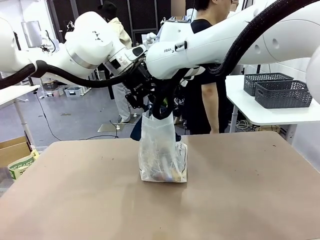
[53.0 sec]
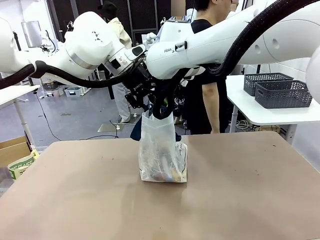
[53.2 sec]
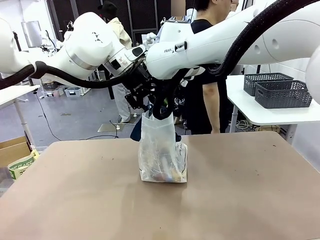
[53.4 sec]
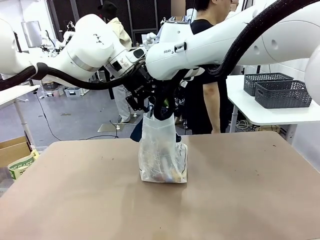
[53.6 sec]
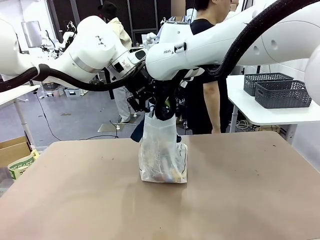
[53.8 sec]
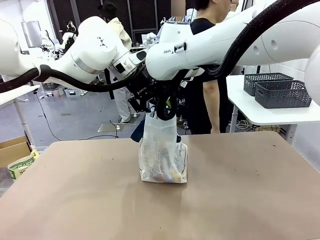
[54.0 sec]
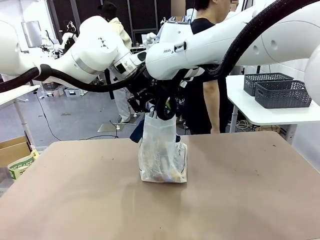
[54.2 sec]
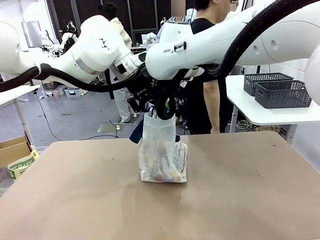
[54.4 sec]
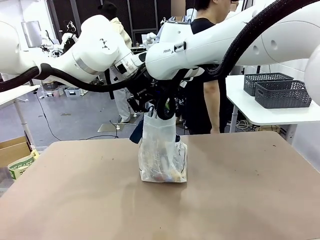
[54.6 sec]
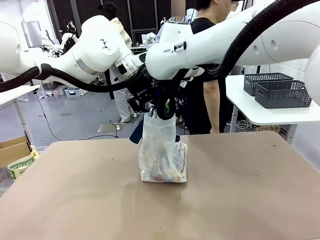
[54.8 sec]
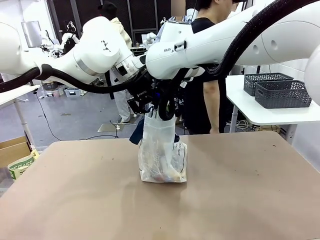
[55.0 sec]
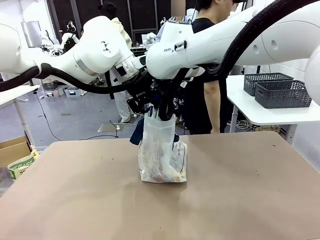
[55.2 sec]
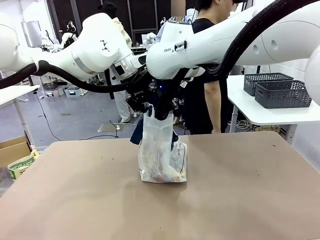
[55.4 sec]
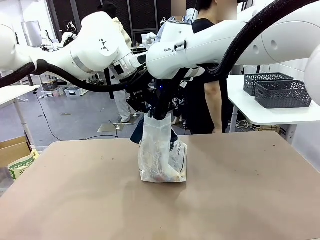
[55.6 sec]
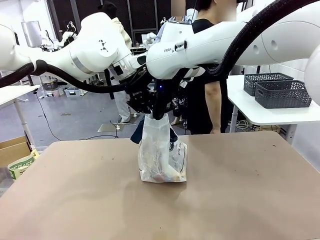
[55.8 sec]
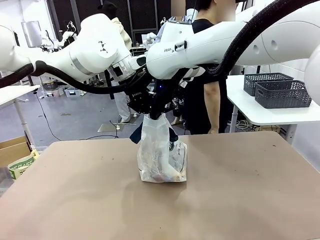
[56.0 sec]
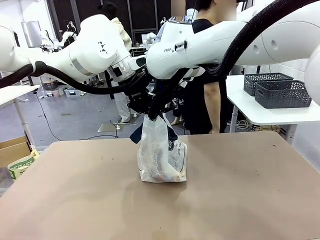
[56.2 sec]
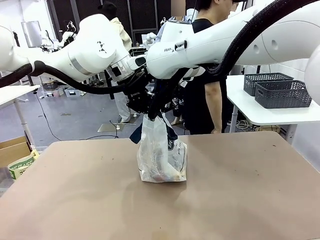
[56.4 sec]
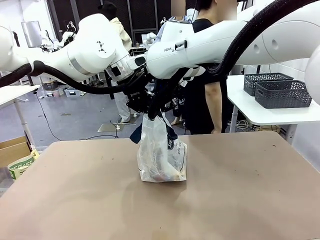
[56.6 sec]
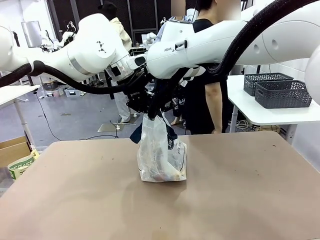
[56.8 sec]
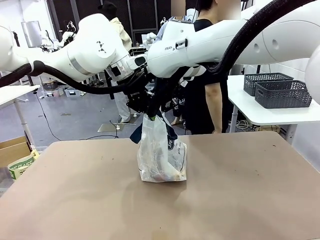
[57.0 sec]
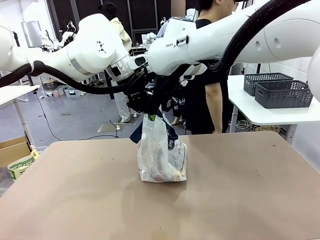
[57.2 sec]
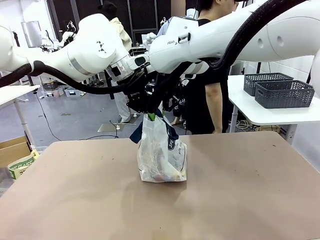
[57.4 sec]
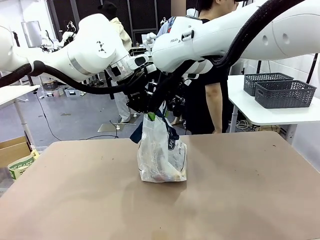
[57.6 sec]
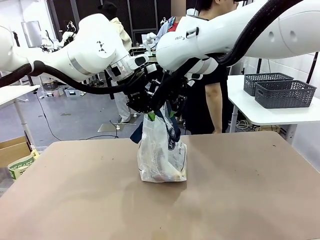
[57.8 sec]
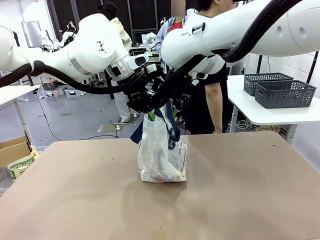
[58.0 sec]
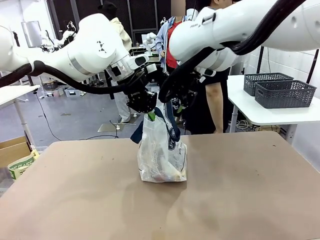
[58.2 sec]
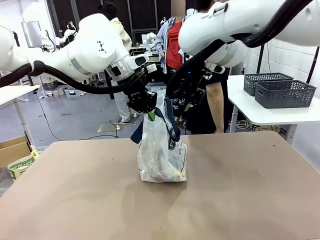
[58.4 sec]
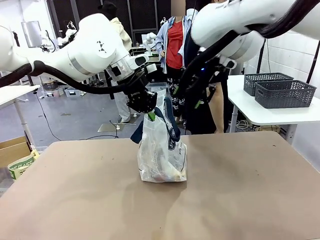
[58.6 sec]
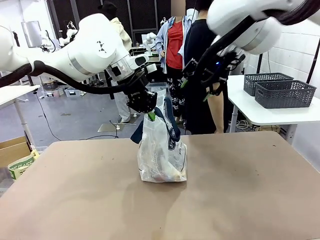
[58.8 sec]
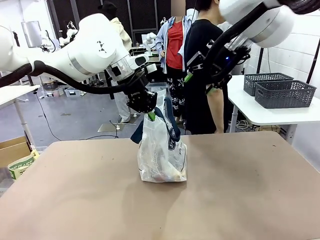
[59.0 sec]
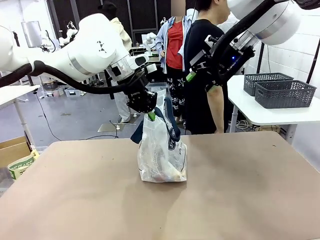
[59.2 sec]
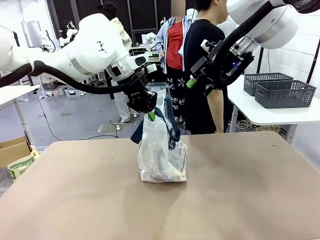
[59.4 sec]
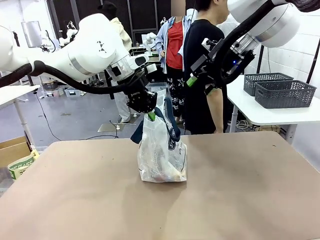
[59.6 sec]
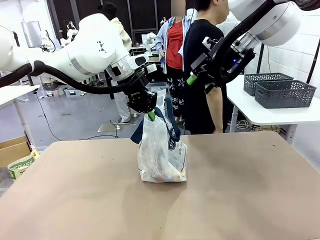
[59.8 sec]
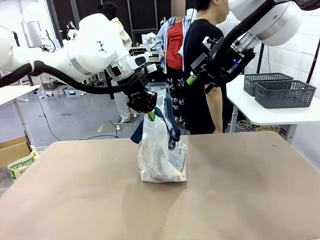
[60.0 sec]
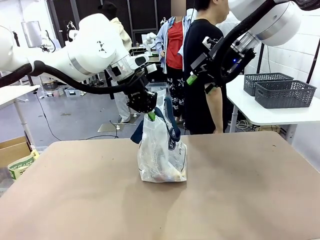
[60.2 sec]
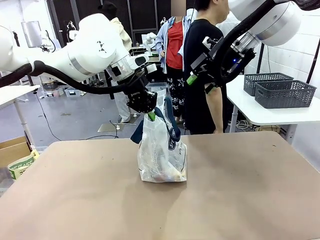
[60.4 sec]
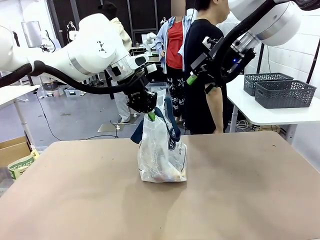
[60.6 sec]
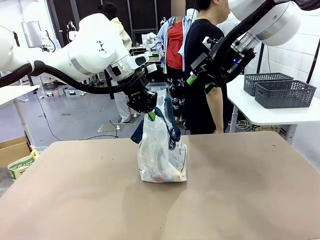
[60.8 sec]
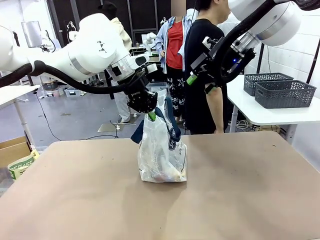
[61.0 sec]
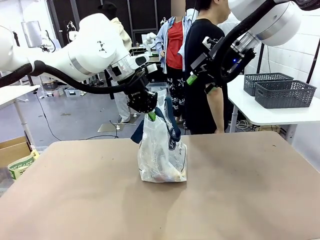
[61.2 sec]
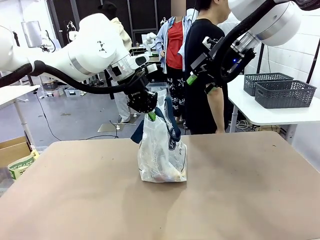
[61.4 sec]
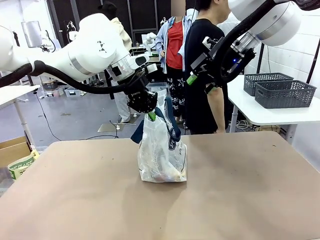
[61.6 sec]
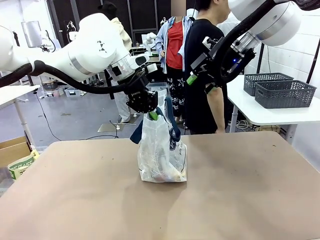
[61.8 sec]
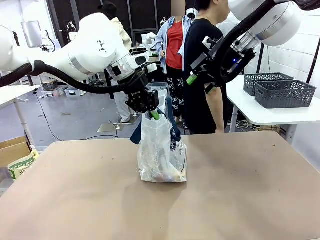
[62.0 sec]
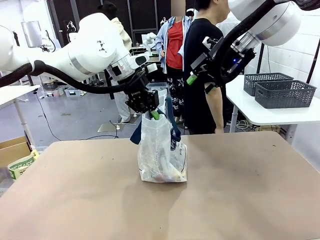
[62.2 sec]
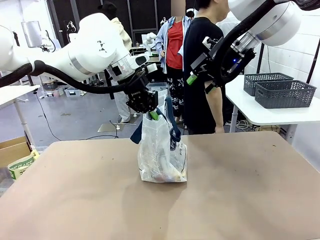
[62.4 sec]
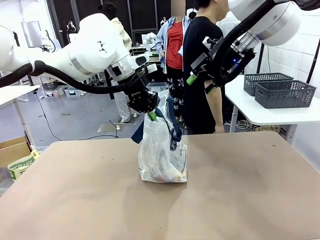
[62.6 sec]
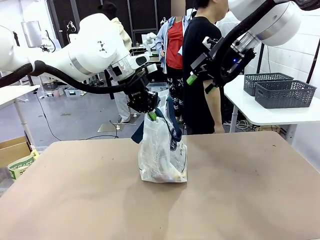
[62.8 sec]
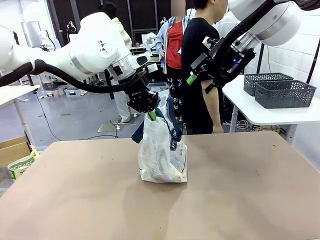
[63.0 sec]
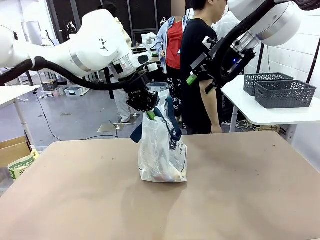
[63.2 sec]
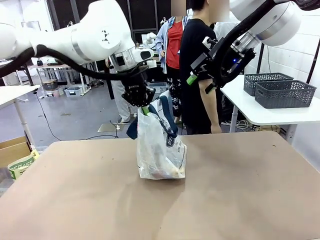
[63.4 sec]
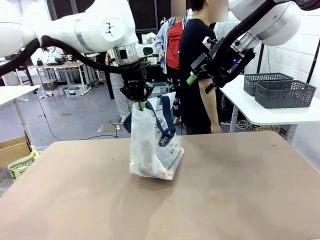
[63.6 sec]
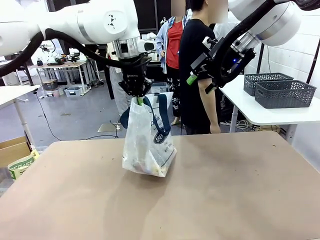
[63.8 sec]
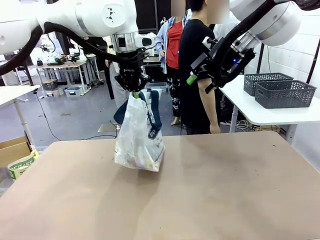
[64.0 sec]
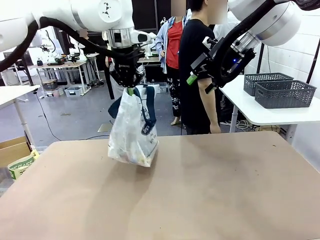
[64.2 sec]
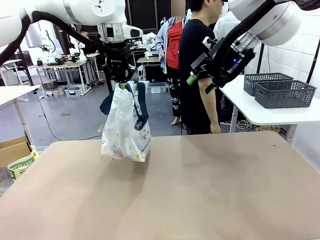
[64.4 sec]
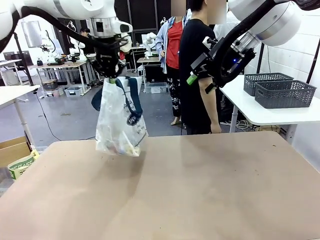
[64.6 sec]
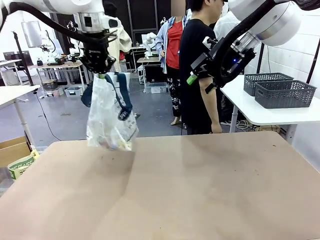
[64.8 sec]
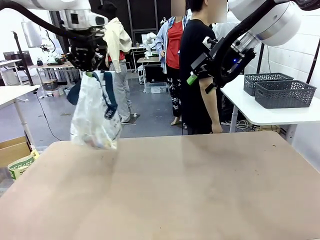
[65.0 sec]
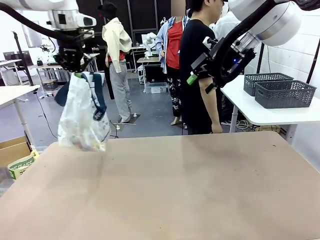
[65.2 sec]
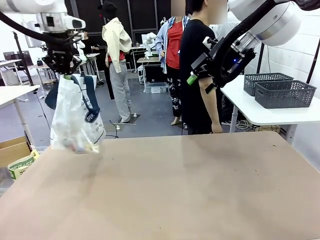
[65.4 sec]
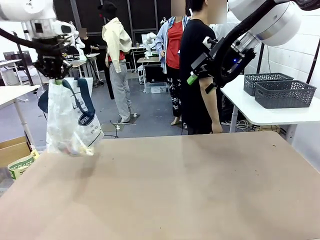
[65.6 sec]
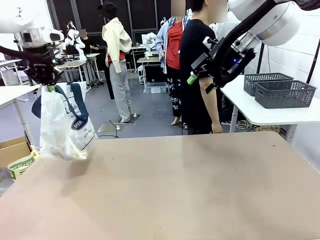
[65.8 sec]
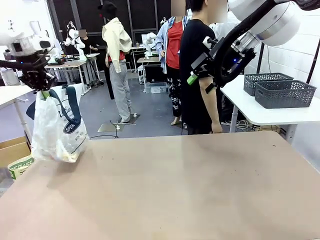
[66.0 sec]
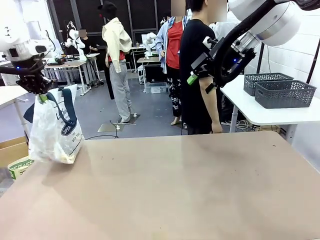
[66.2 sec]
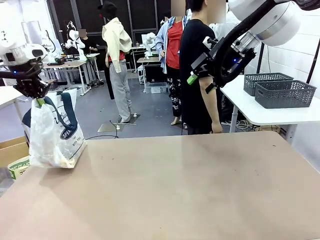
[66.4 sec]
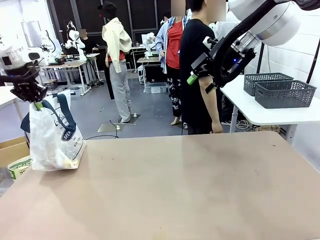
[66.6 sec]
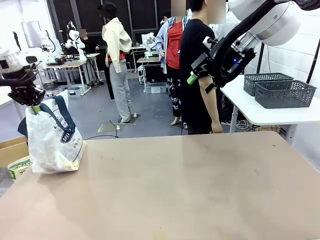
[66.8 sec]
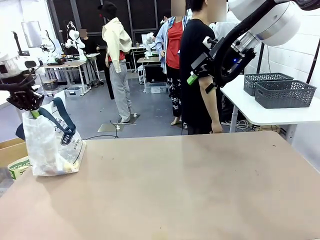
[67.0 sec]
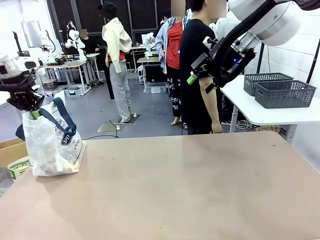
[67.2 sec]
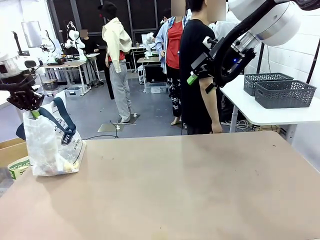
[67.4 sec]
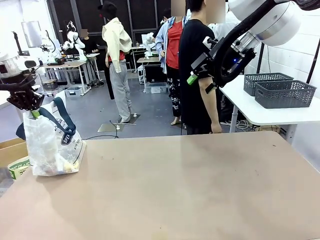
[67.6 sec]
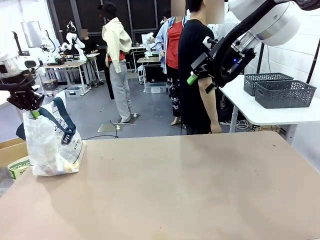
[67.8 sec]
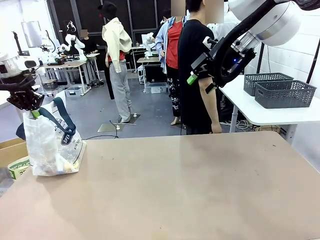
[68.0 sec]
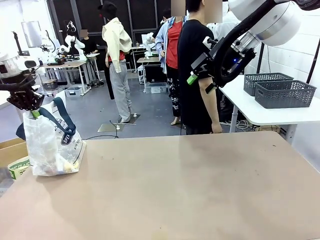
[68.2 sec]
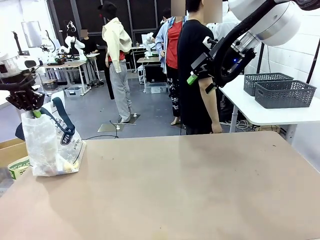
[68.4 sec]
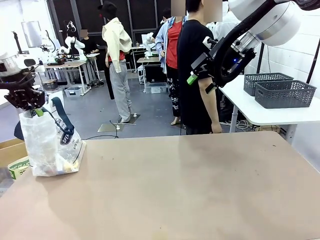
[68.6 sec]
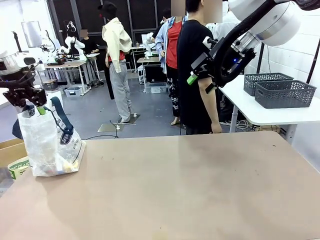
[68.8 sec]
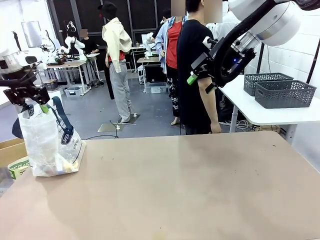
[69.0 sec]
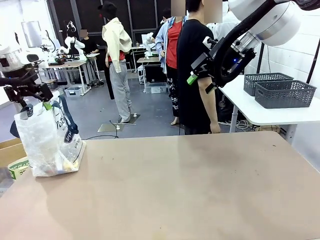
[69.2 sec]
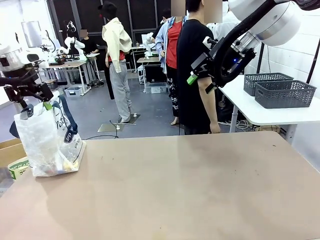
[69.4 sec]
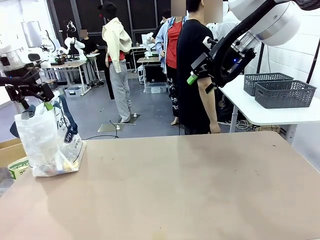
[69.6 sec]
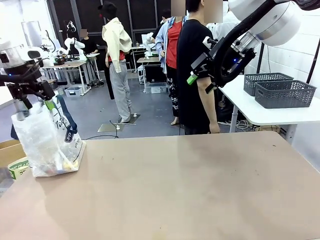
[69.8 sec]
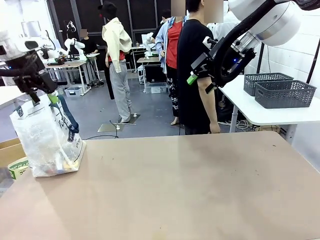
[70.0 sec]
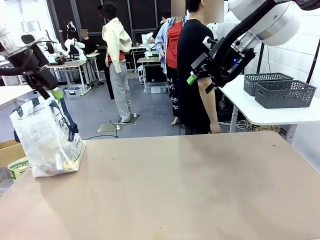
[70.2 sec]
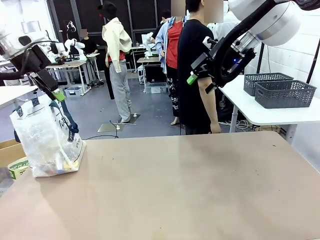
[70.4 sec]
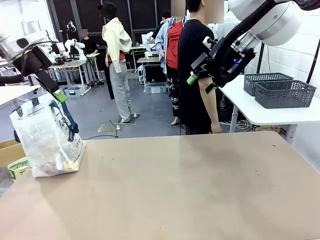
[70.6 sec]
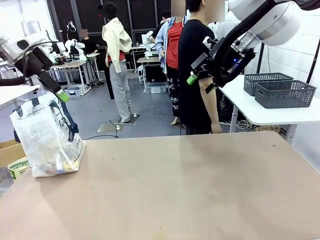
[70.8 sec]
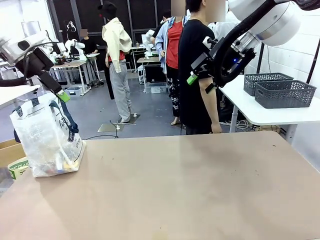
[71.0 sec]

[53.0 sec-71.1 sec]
Task: Transfer purchased items from the store into the shopping bag.
Robot: Move the Reusable shopping bag to the right side of the table.
Person: Move the basket on the left to the middle of the person's table.
